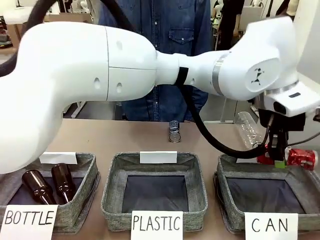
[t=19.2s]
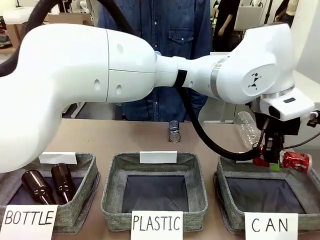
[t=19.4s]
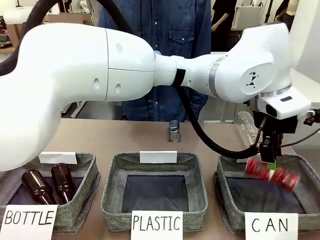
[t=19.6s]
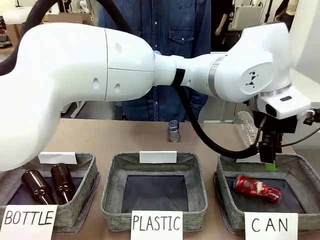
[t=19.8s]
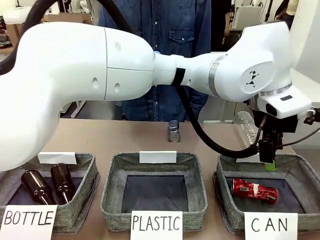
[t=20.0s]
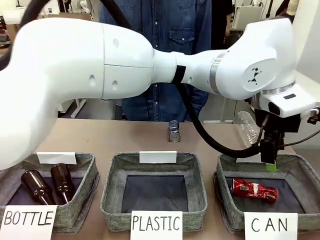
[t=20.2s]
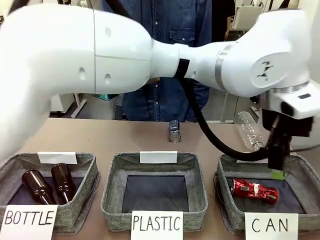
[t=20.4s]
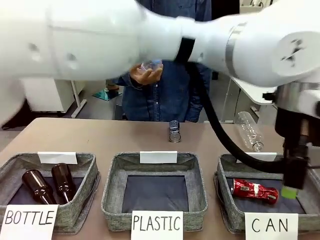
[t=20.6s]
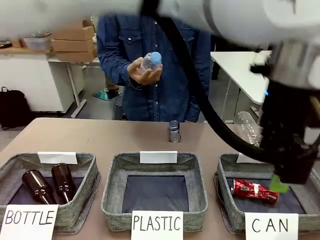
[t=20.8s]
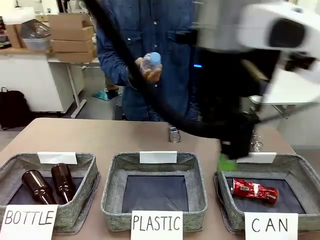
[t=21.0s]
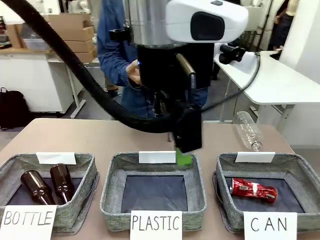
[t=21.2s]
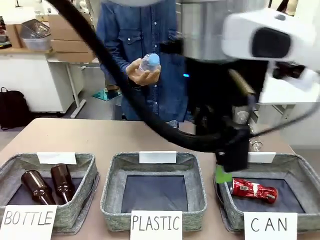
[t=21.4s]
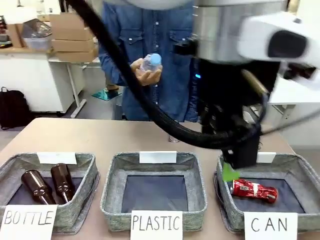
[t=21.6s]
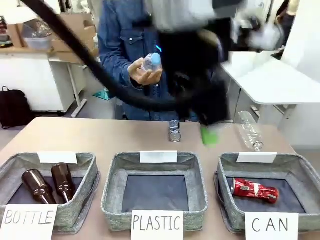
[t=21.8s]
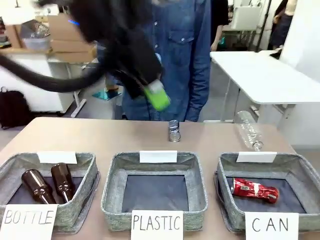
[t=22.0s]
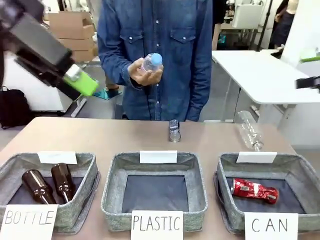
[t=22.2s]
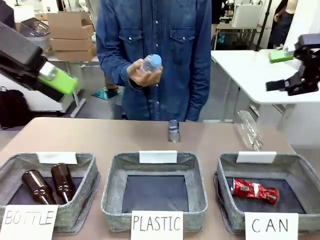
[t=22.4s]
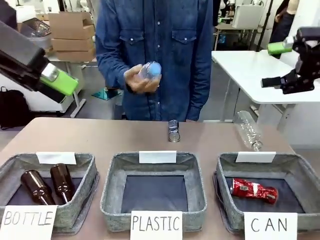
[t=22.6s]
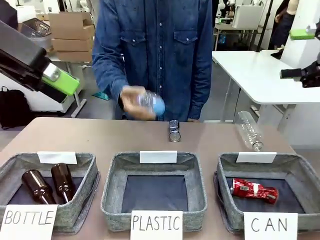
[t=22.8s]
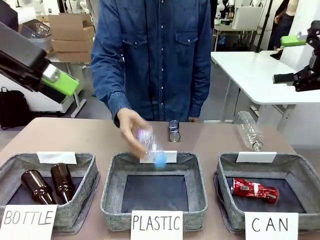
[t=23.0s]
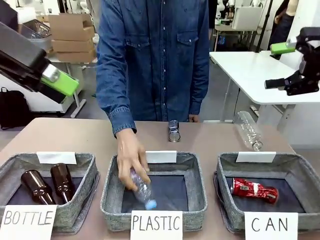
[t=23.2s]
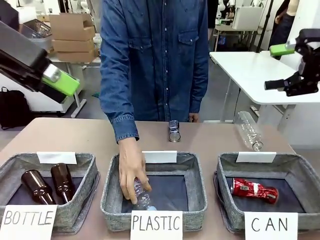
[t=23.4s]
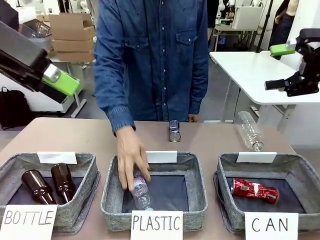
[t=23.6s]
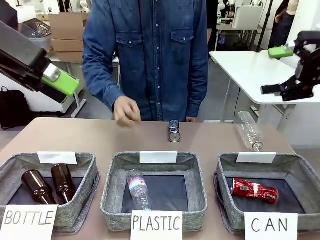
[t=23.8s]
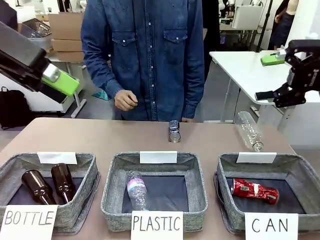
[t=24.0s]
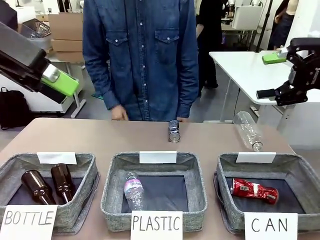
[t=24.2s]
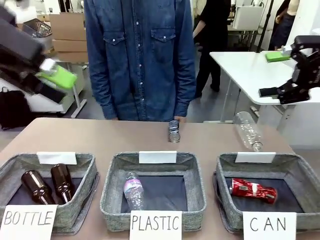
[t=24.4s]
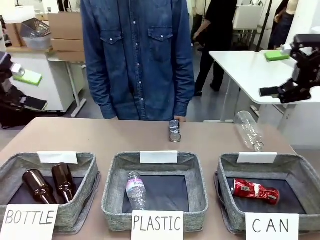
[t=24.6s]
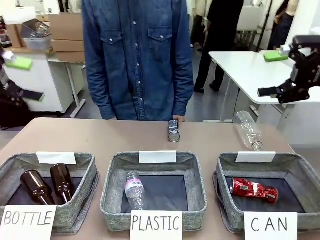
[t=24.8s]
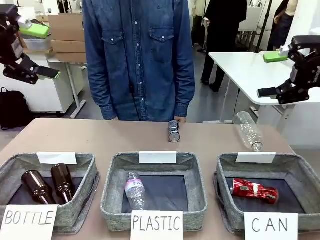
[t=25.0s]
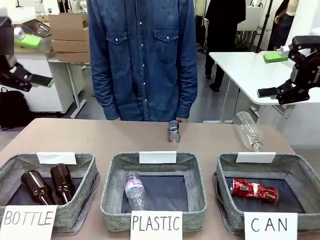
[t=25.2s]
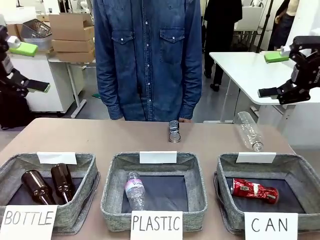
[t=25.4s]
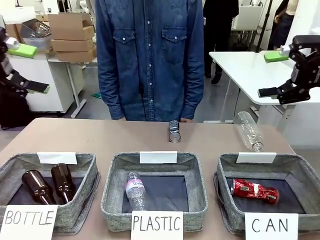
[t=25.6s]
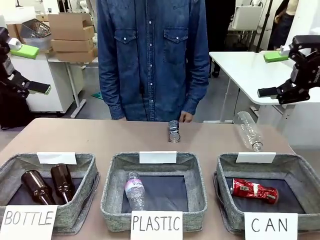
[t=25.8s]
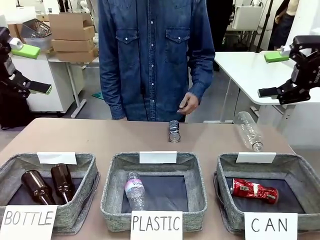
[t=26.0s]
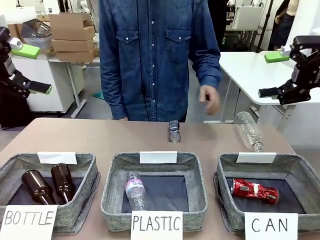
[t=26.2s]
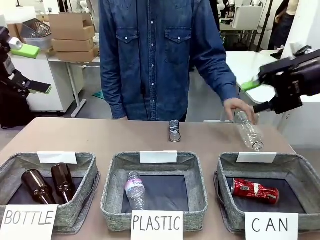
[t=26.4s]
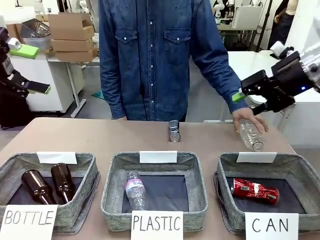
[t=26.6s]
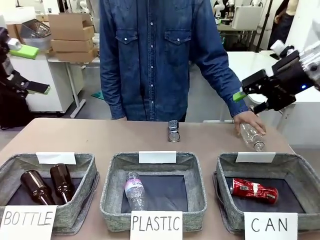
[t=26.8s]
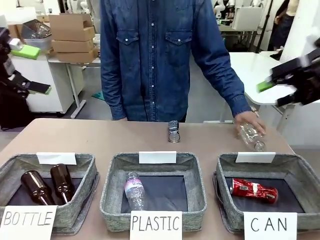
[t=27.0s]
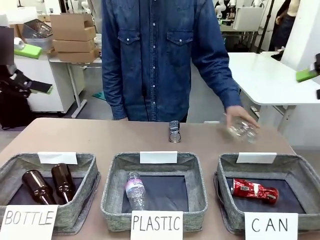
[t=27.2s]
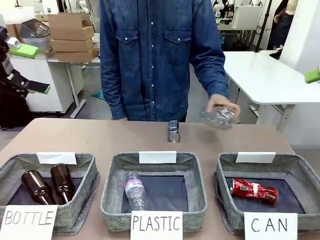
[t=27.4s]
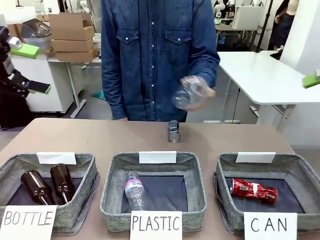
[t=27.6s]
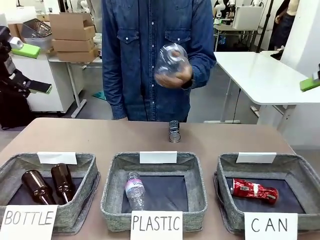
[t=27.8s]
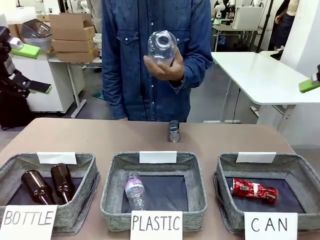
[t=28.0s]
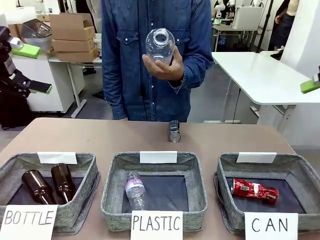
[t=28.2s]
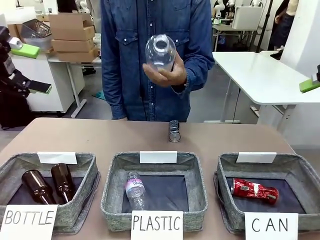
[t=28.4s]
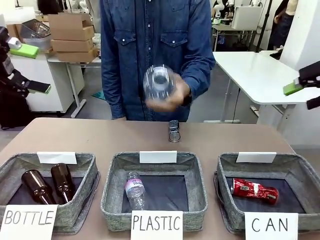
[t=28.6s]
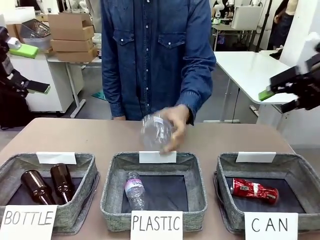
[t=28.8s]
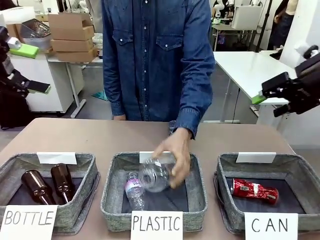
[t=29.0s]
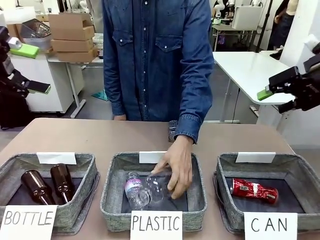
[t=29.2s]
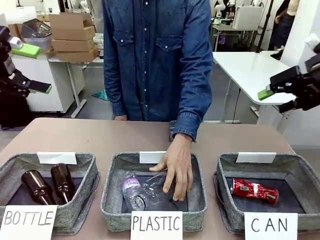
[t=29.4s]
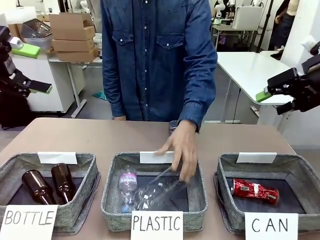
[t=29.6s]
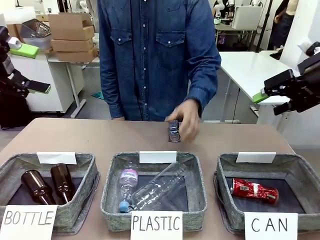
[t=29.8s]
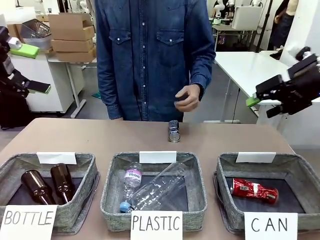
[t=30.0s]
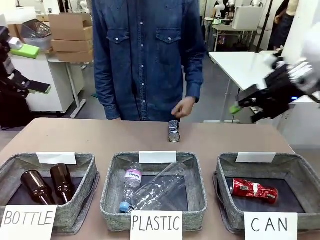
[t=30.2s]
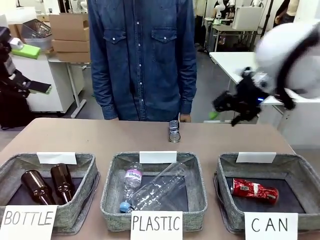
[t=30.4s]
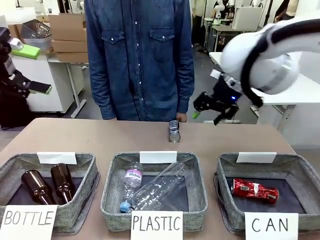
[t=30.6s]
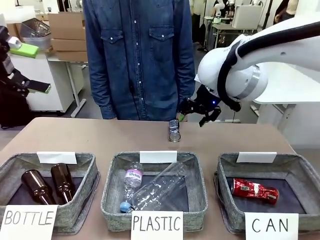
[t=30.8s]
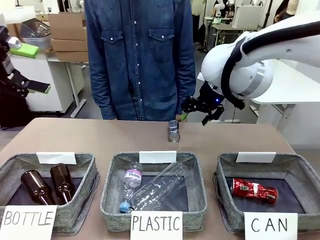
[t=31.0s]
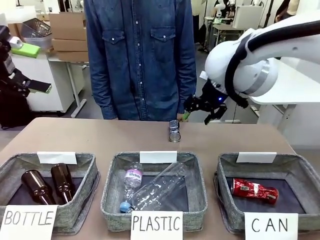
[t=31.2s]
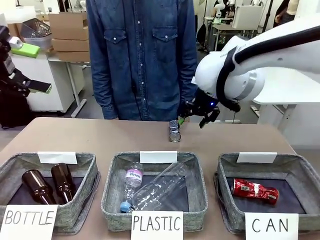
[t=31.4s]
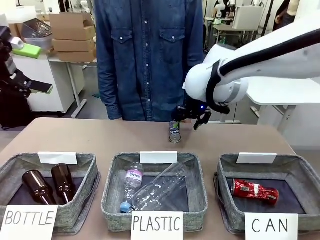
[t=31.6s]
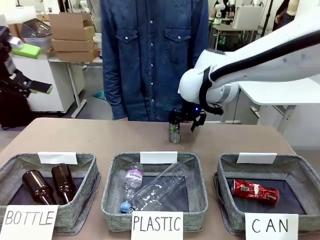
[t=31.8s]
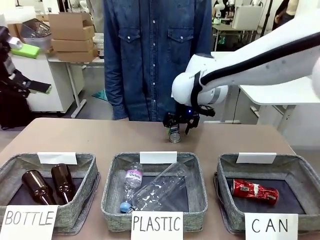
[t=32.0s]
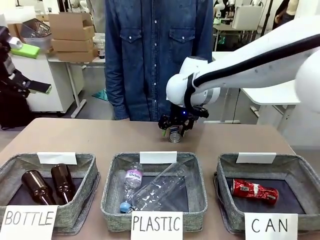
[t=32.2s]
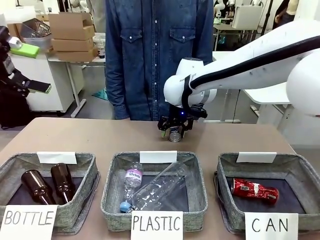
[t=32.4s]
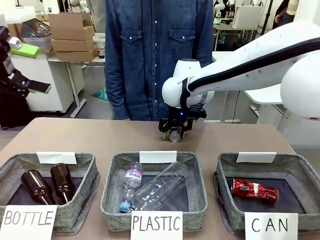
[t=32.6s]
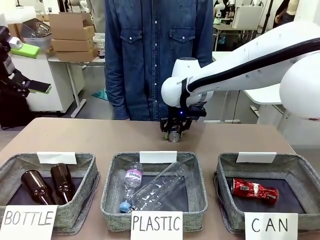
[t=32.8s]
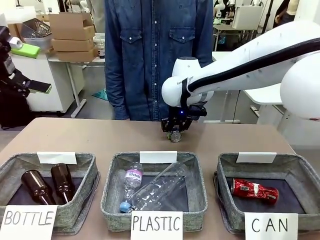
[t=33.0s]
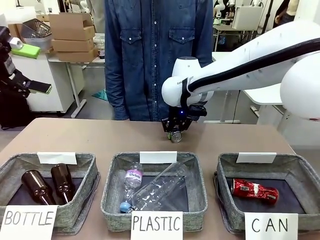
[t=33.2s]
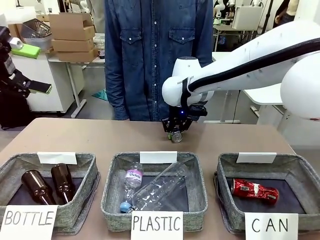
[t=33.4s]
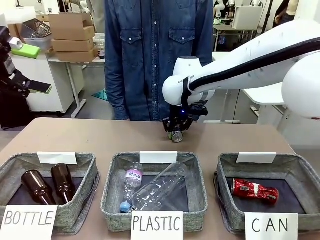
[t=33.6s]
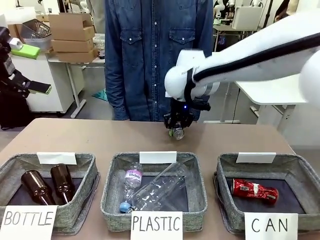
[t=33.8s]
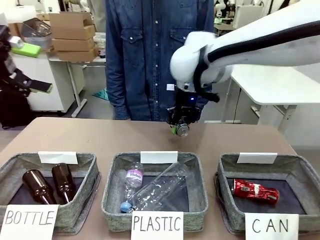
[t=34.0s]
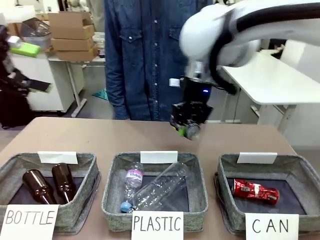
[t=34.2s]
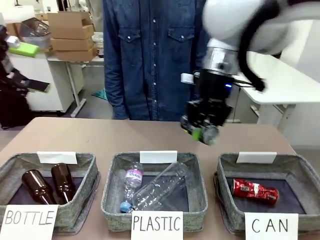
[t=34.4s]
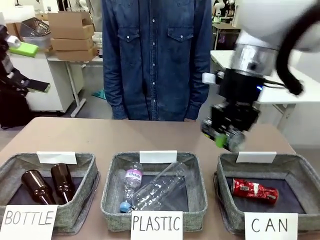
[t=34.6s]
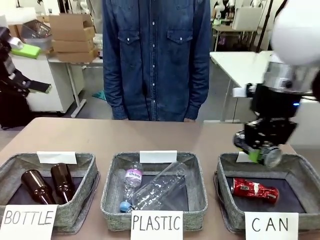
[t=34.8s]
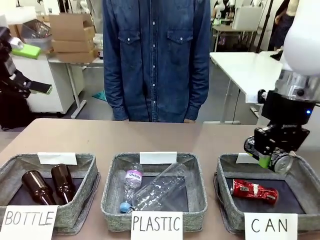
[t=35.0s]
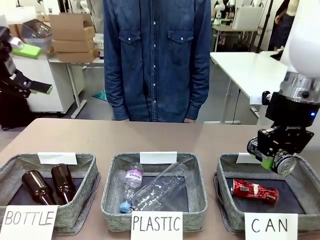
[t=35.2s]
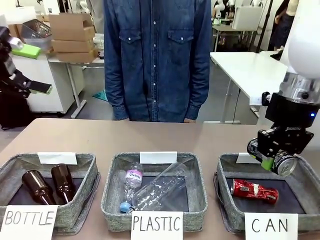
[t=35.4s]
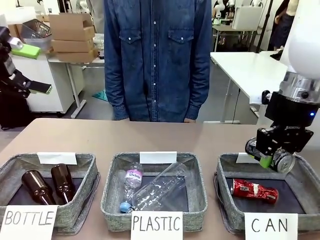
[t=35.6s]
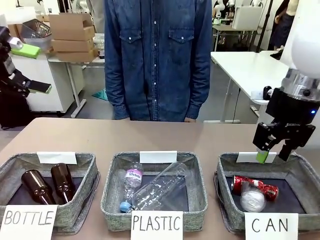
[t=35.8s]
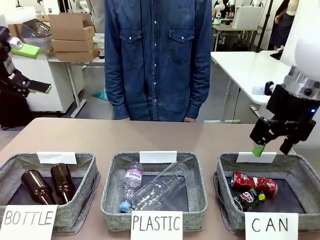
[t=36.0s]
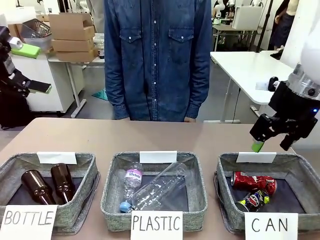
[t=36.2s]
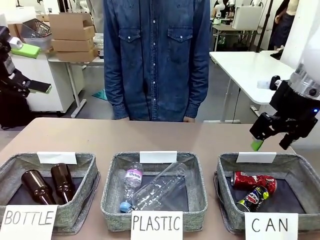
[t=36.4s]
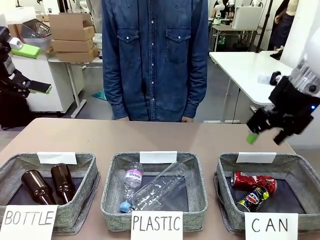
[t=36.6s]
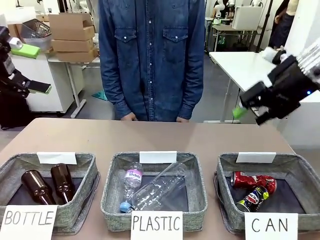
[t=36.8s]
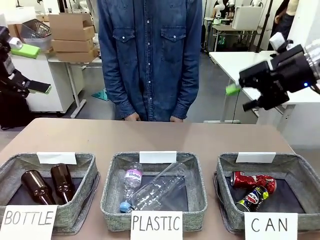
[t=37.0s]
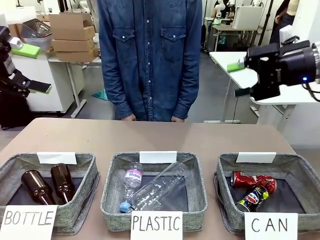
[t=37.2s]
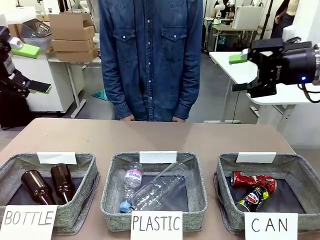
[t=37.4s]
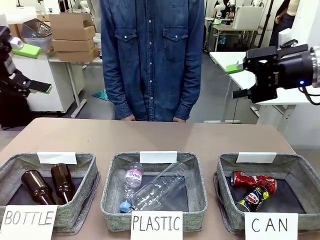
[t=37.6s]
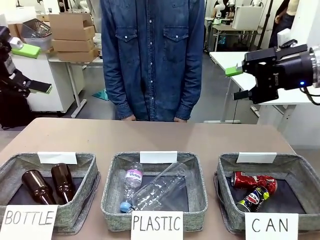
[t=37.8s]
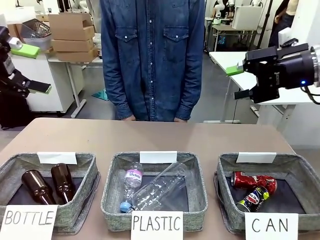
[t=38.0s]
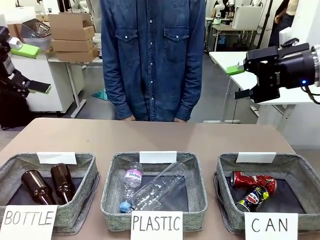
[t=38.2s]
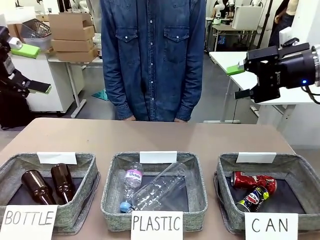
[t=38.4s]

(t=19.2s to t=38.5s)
Task: Sort the can waste into the basket.
Robot: Pick up the can waste from the table and place it in the right Fabric basket.
Person: The human picks up one piece of trash that is not a can and places the trash into the appropriate organizing basket.
